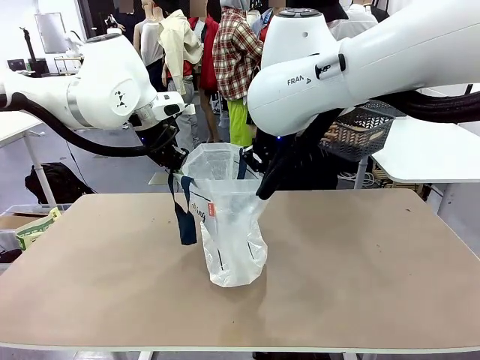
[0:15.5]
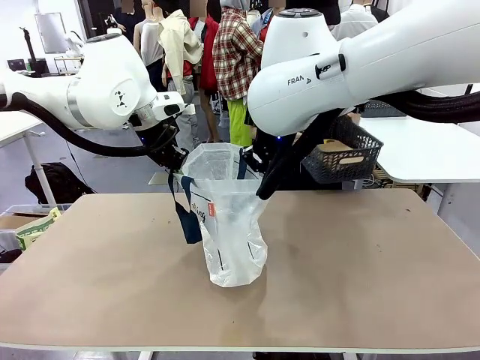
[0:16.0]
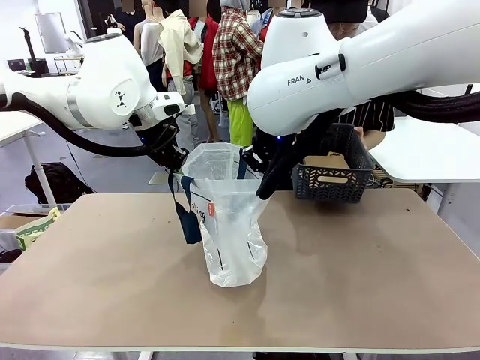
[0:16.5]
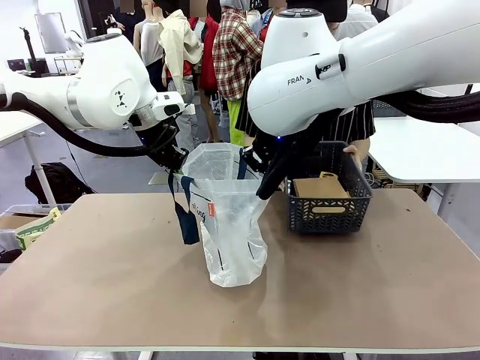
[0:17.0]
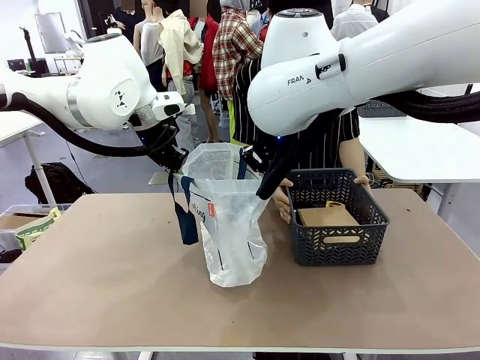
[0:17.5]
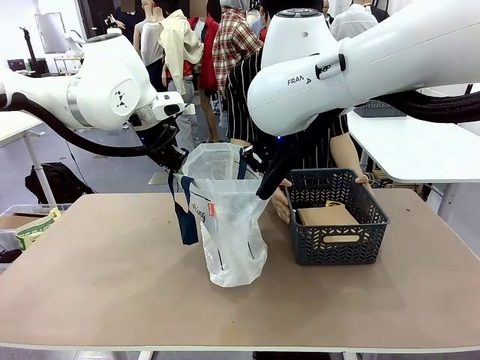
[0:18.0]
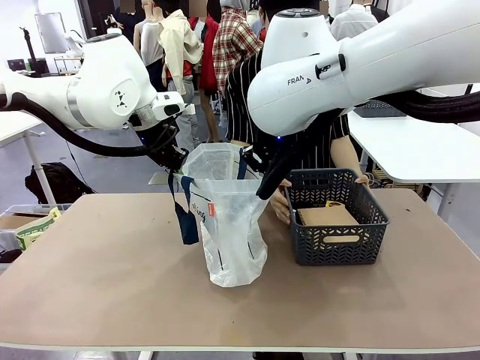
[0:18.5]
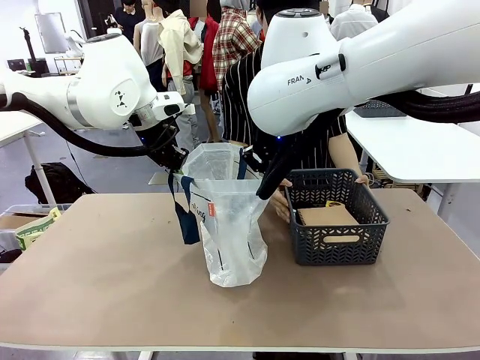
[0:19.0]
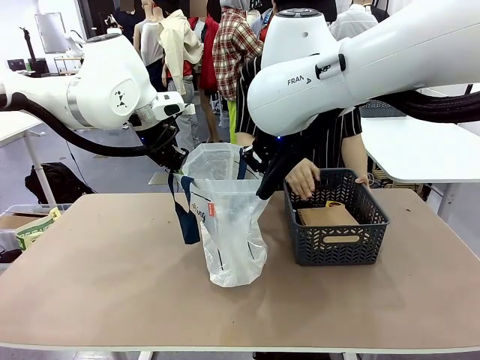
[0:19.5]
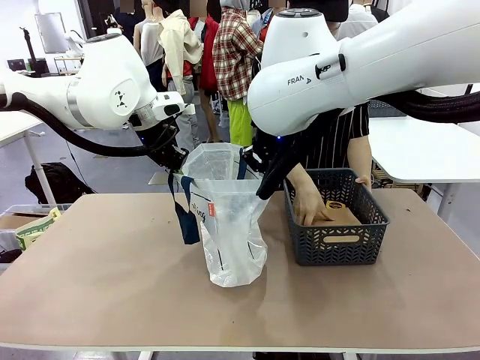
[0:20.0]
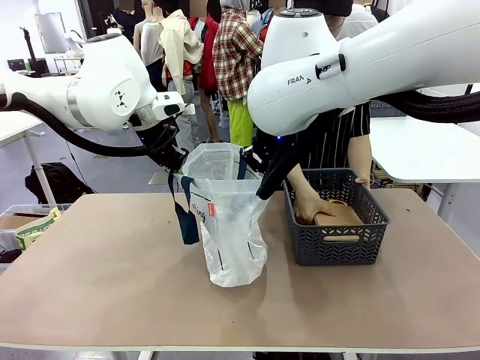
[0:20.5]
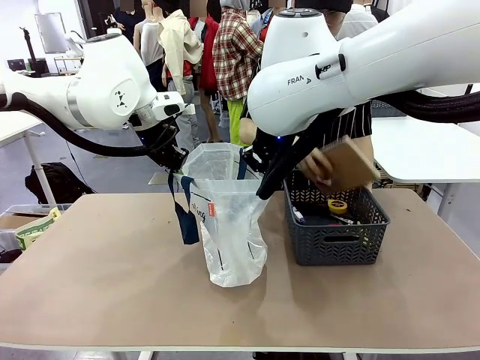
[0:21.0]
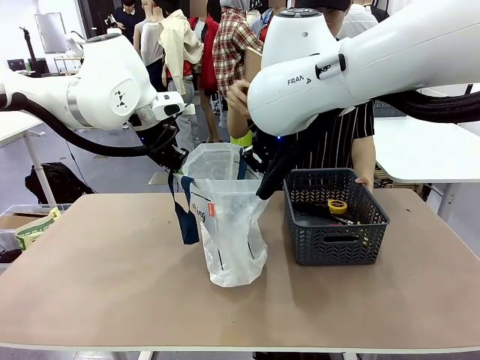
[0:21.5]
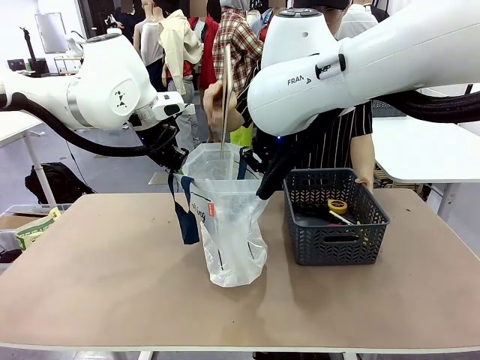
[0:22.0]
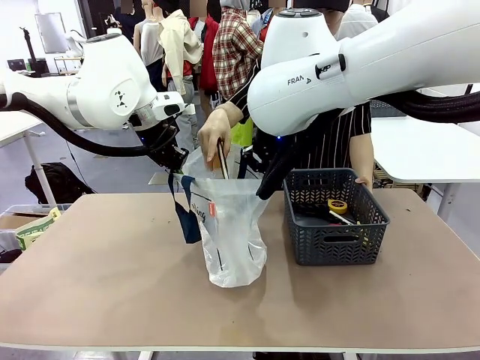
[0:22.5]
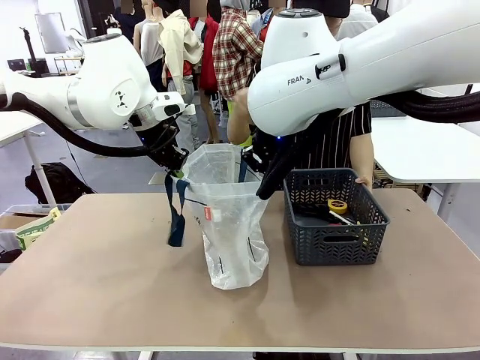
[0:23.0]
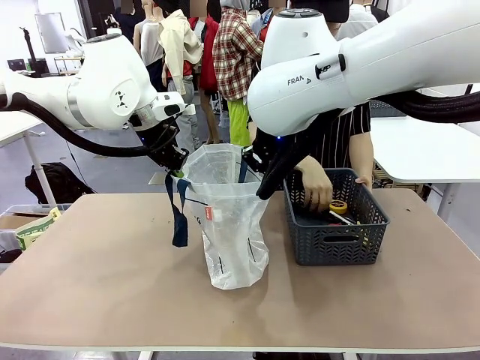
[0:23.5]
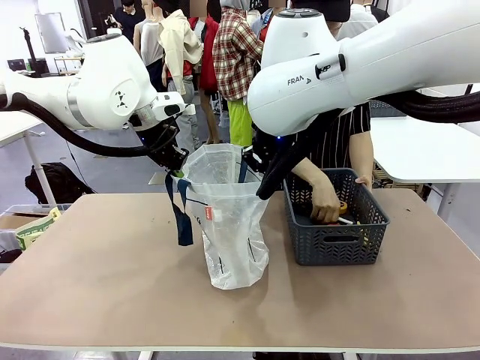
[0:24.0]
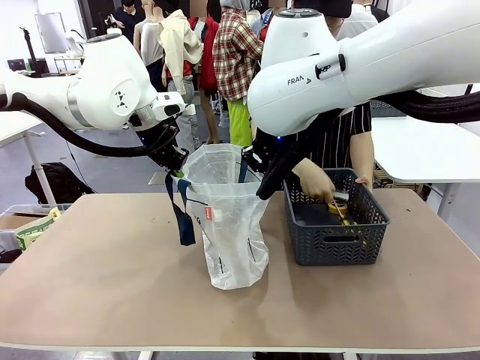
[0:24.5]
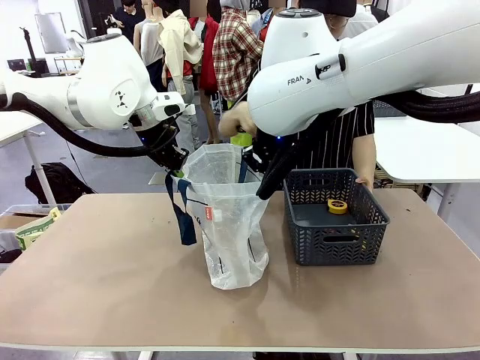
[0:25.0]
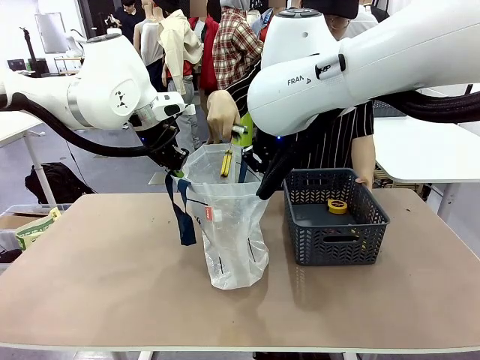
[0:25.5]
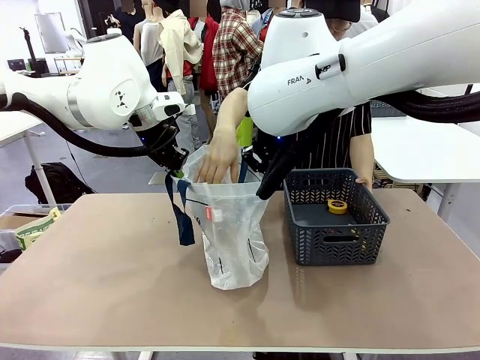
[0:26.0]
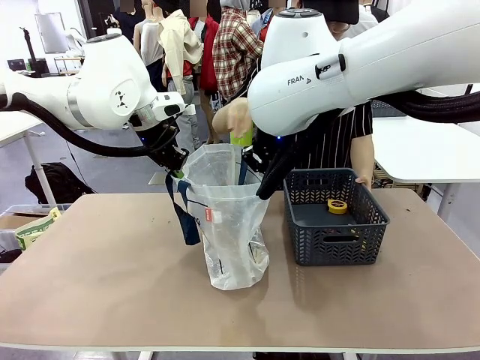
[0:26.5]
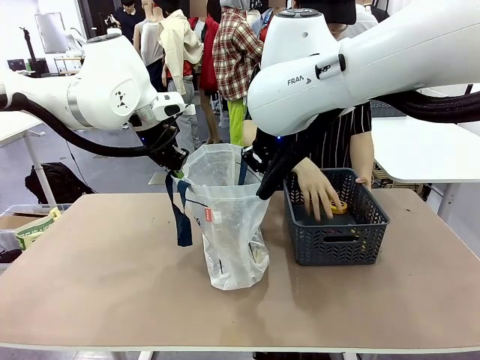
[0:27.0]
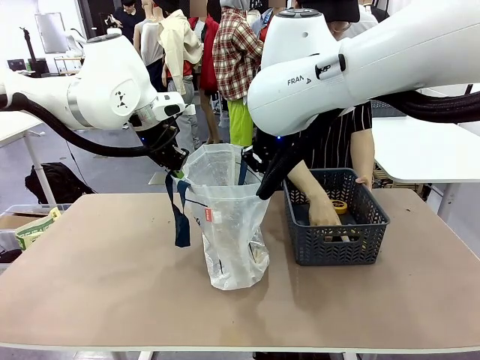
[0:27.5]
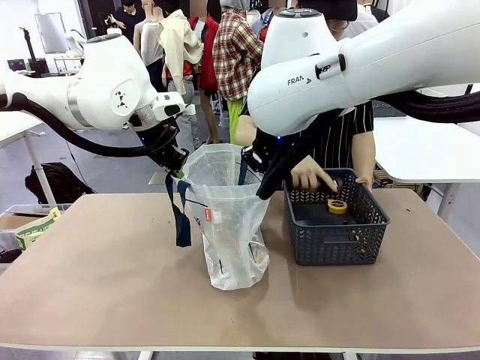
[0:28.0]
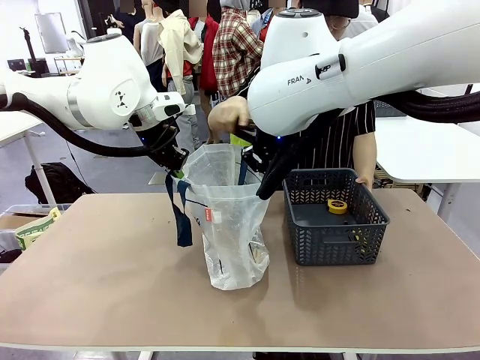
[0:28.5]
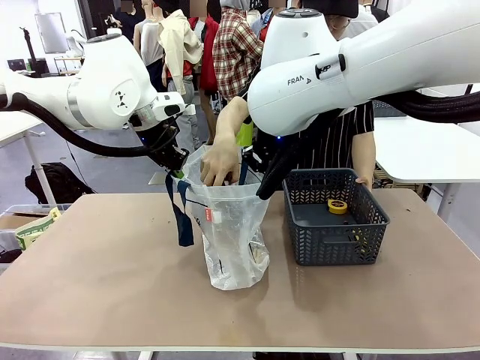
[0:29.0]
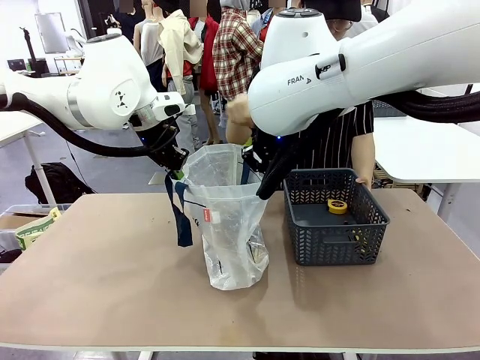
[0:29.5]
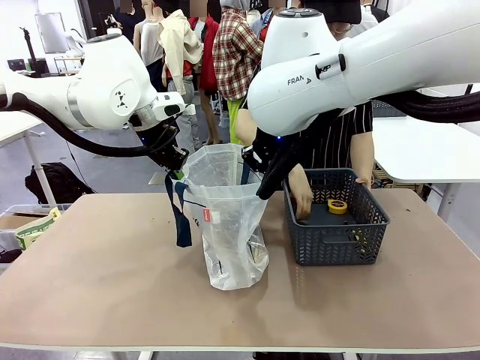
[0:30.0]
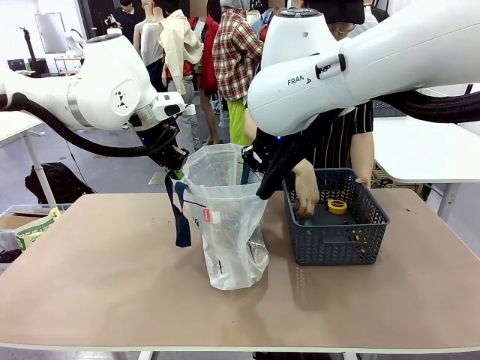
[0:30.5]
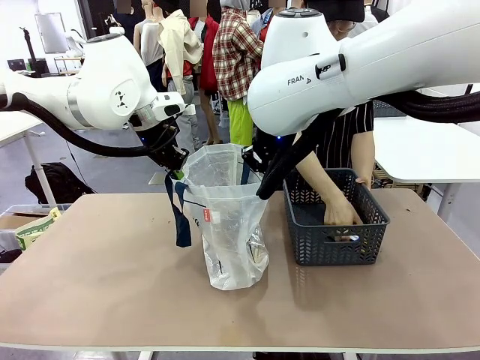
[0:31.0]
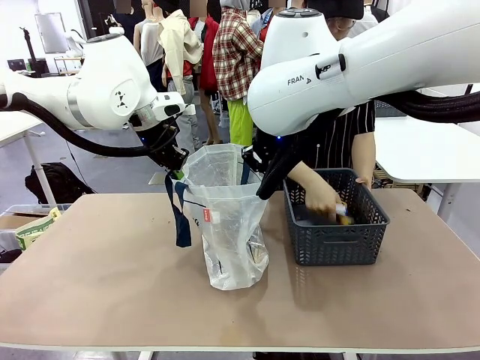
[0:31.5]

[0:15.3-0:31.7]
Task: Transfer purchased items from the store into the shopping bag.
Robot: Move the Reusable shopping bag to the right side of the table.
Person: Pick up the basket with the items out and place it on the right side of the human table.

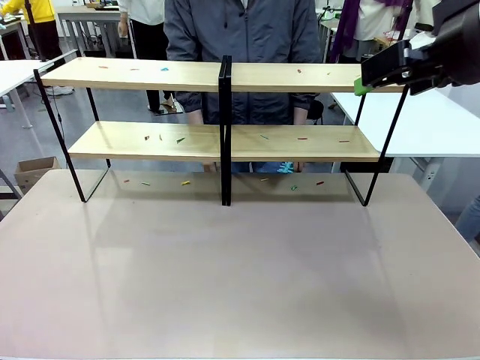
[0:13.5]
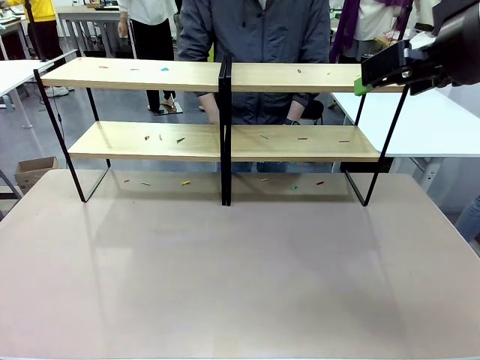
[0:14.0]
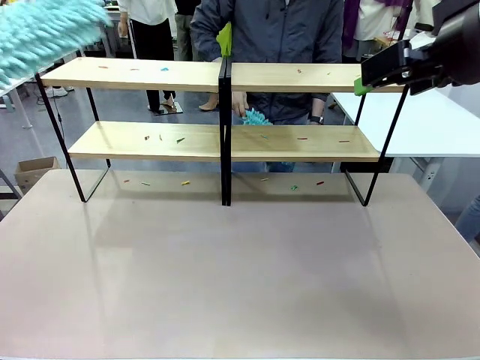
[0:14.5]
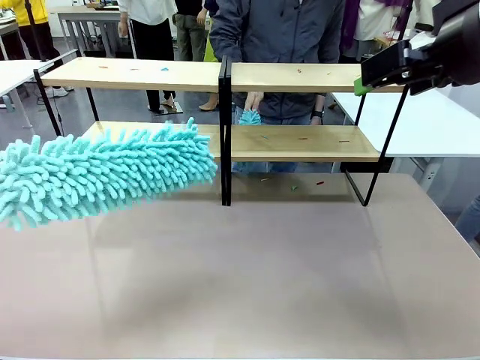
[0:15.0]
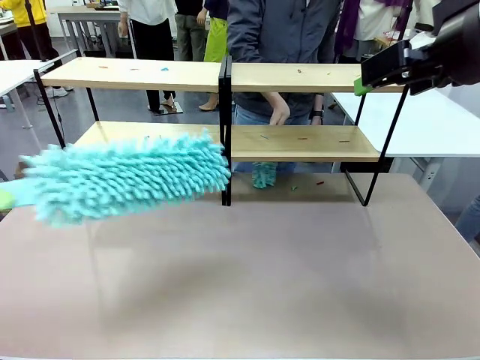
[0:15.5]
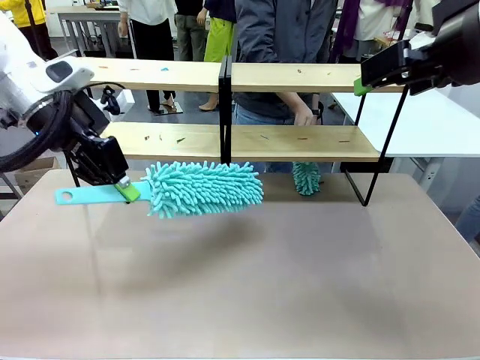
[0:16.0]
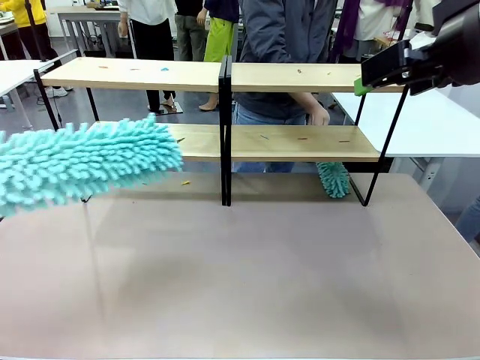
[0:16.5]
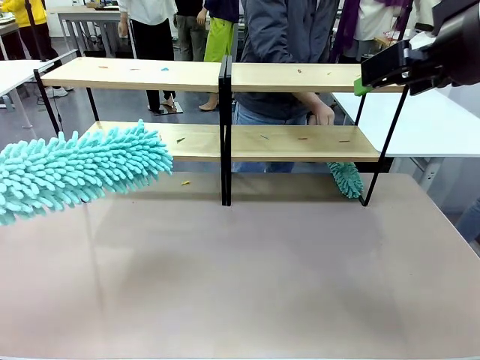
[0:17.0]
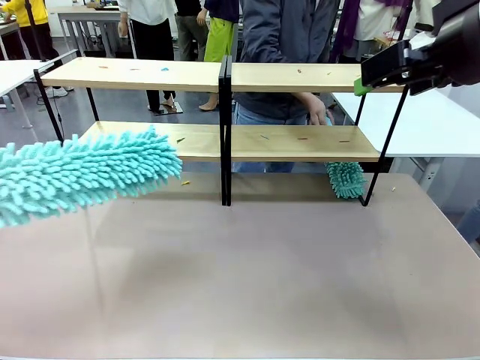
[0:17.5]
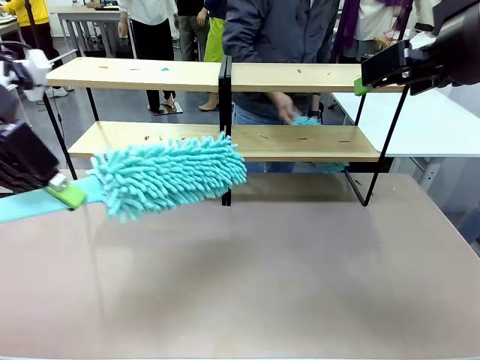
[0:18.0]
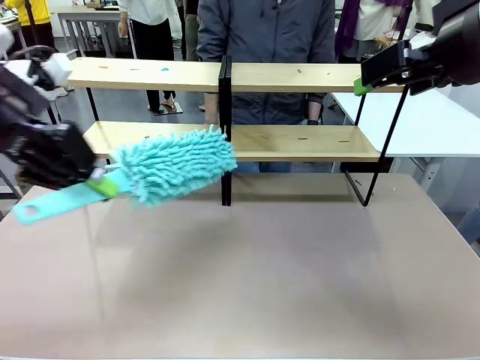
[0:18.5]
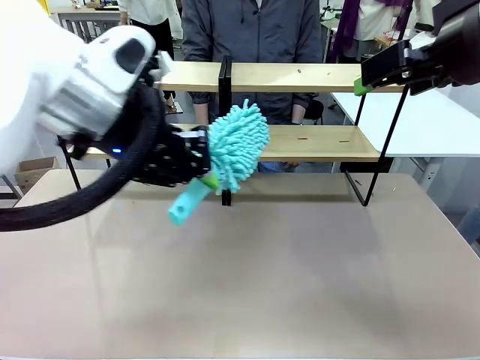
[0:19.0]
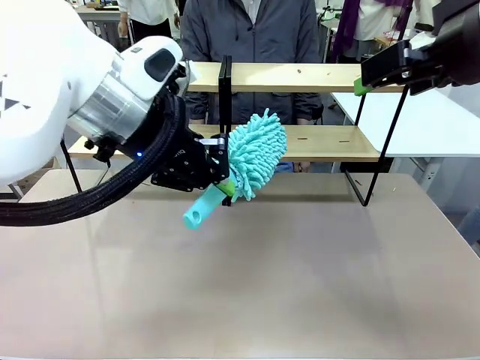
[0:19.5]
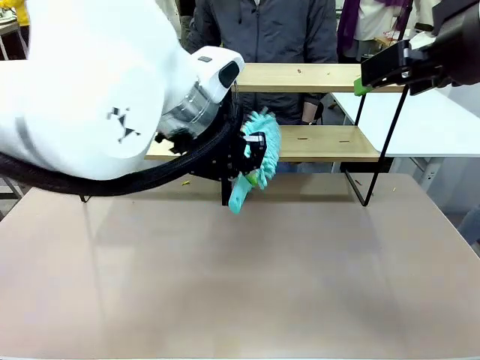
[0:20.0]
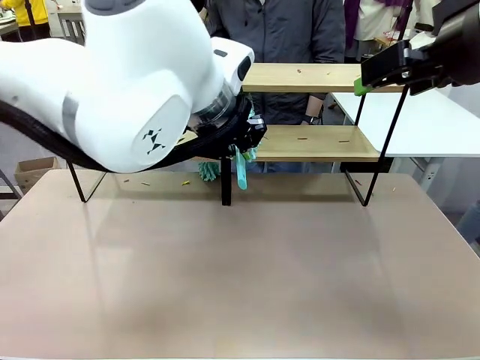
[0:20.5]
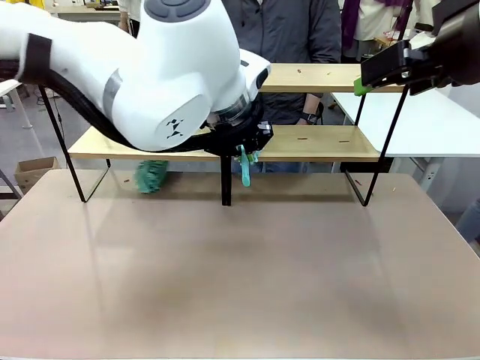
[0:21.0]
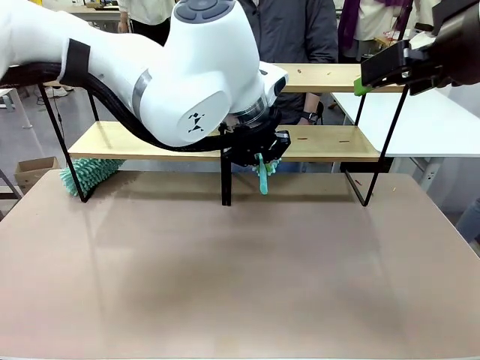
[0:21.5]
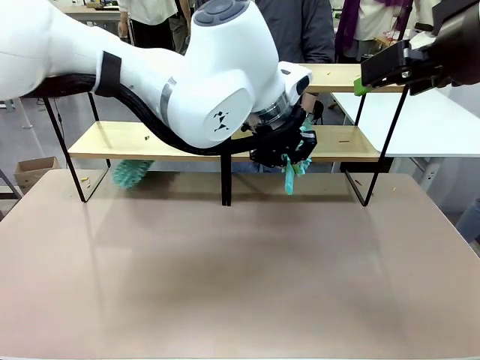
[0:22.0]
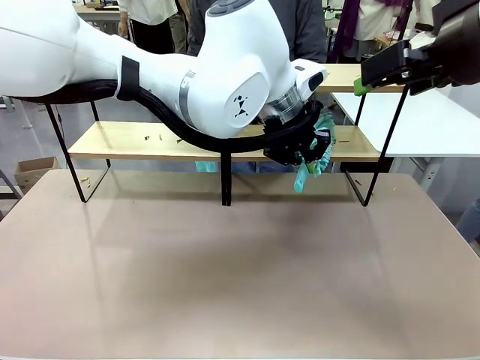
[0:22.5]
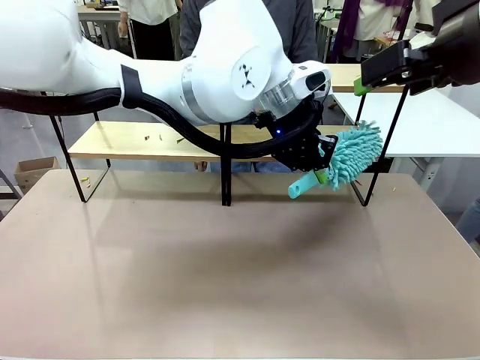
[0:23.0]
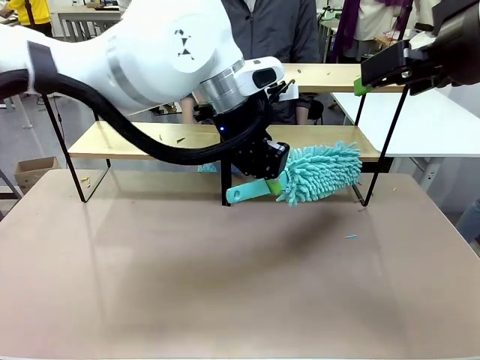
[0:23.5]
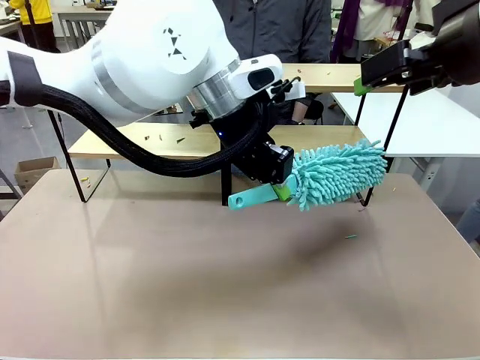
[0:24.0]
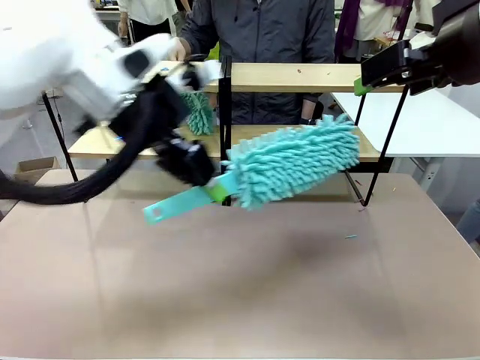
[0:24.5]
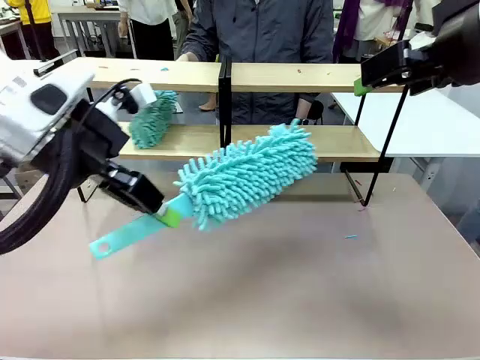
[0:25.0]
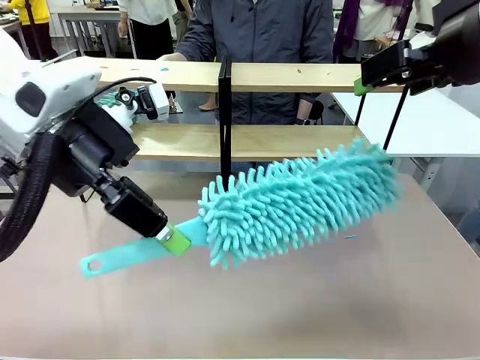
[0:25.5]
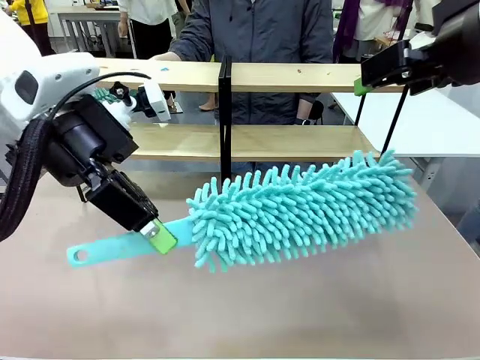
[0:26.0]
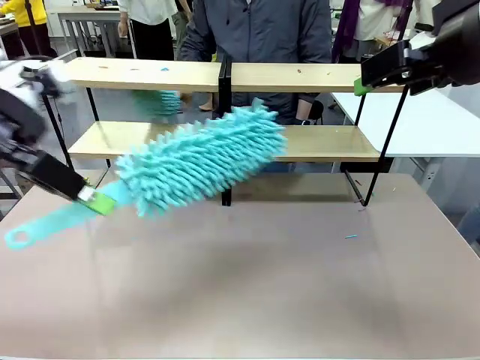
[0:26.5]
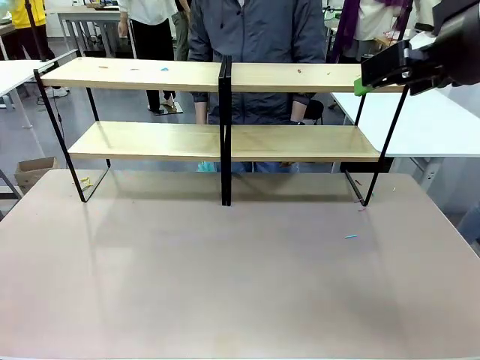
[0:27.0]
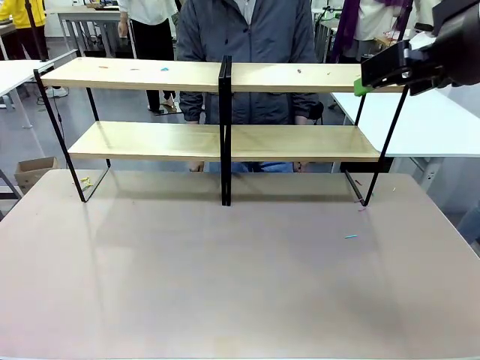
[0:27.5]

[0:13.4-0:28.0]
Task: Clean the shelves.
Robot: Clean a randomly selected level of the Shelf with the Duster.
